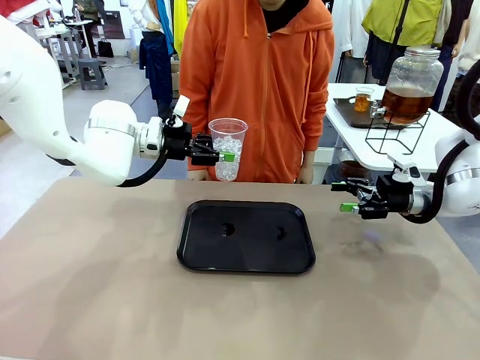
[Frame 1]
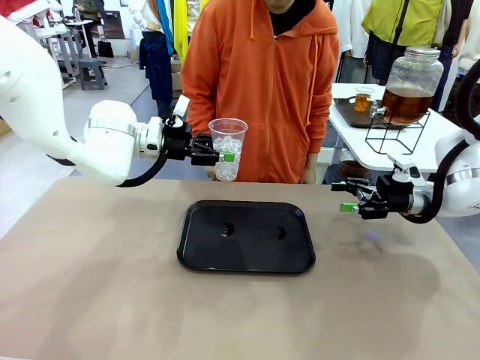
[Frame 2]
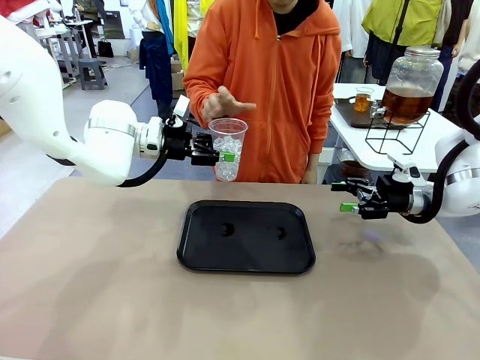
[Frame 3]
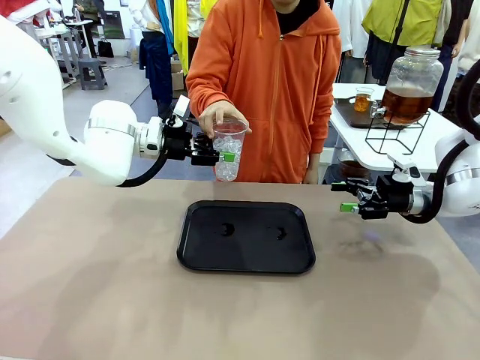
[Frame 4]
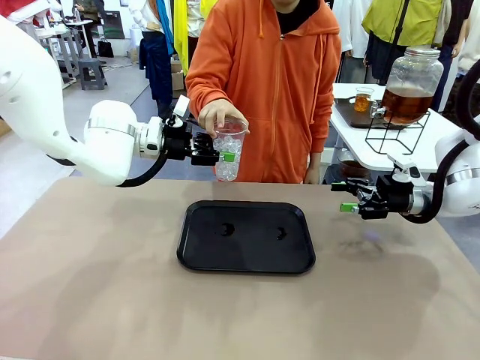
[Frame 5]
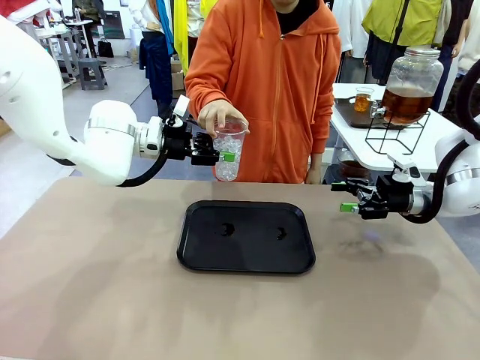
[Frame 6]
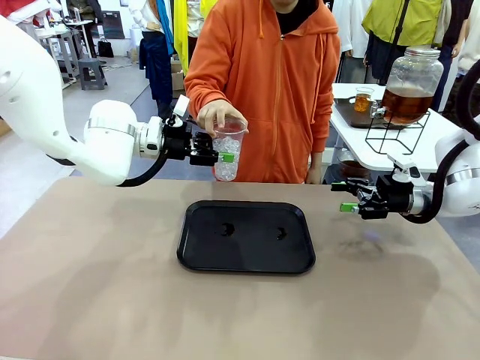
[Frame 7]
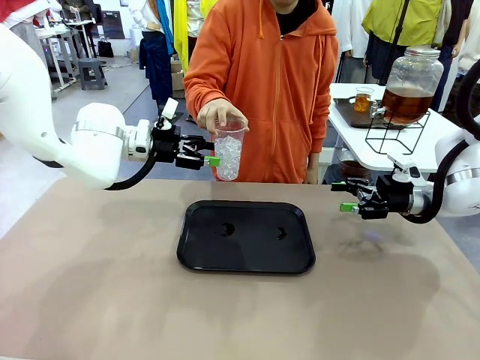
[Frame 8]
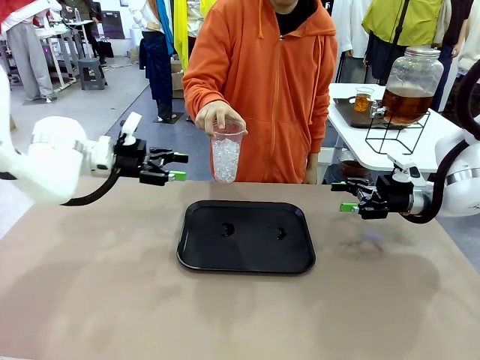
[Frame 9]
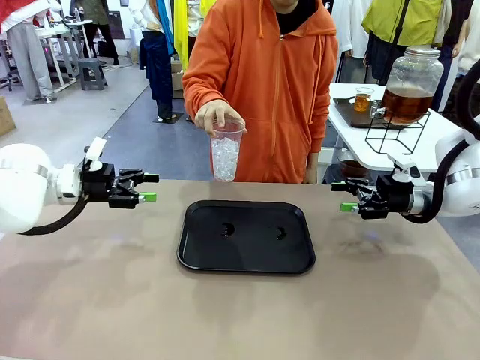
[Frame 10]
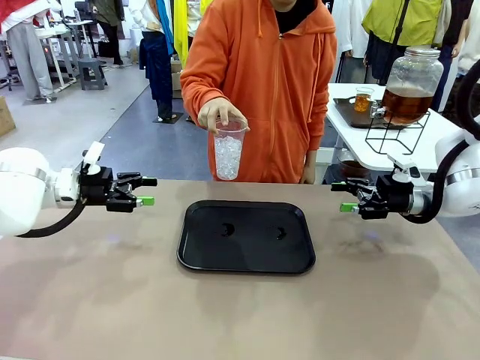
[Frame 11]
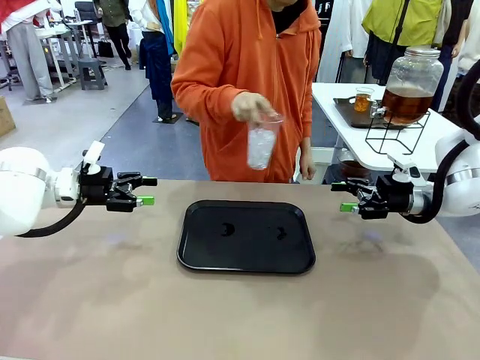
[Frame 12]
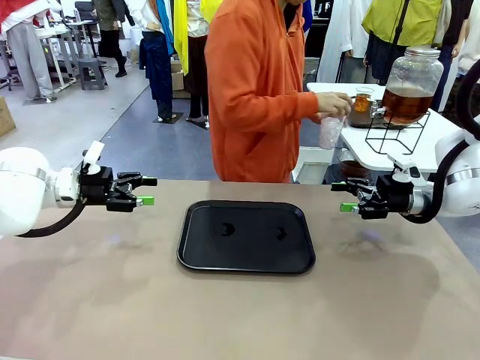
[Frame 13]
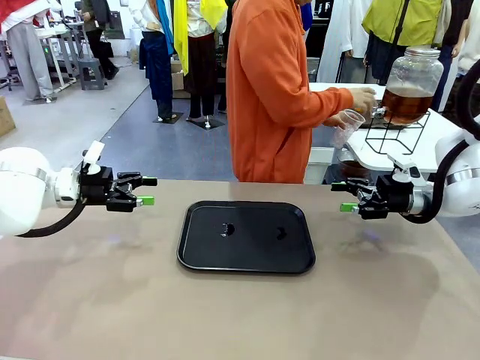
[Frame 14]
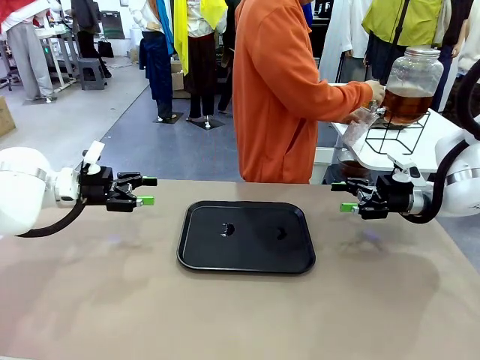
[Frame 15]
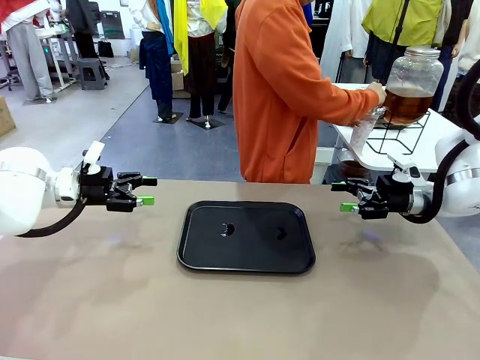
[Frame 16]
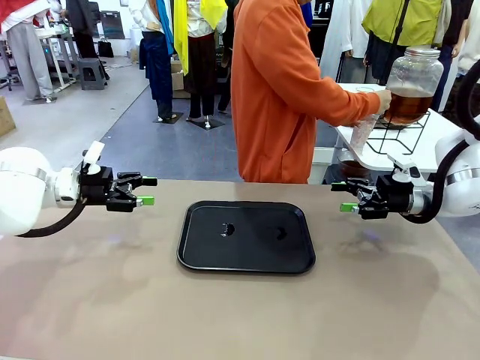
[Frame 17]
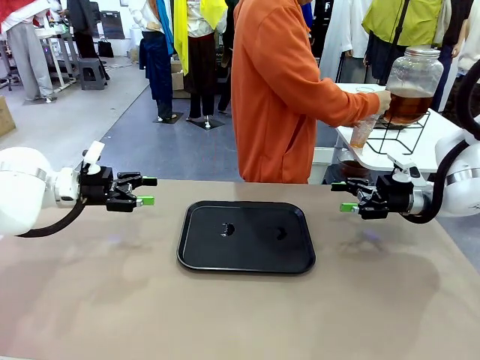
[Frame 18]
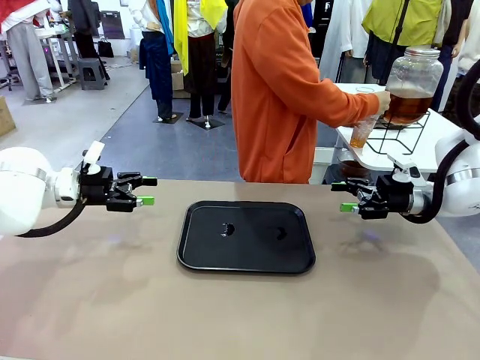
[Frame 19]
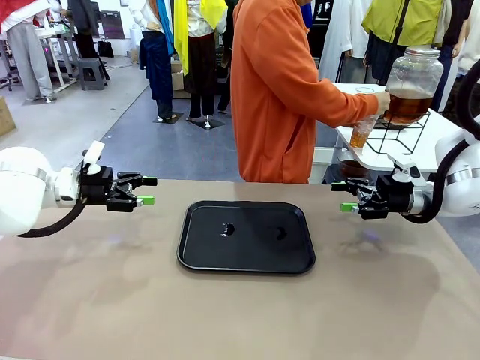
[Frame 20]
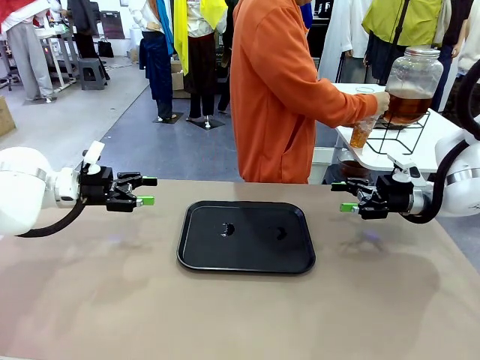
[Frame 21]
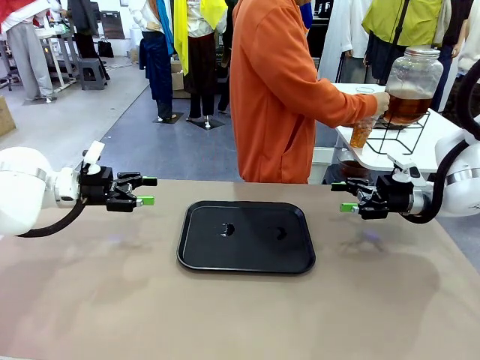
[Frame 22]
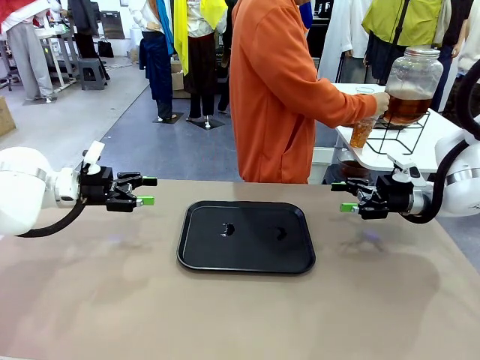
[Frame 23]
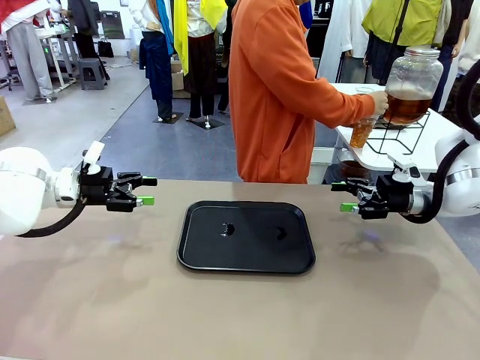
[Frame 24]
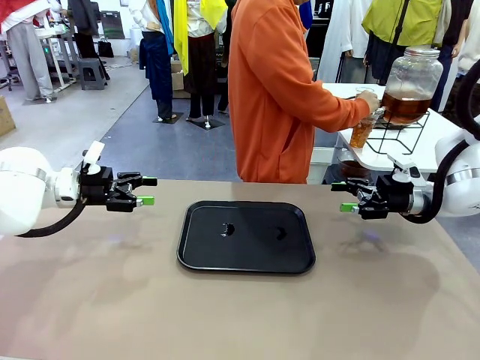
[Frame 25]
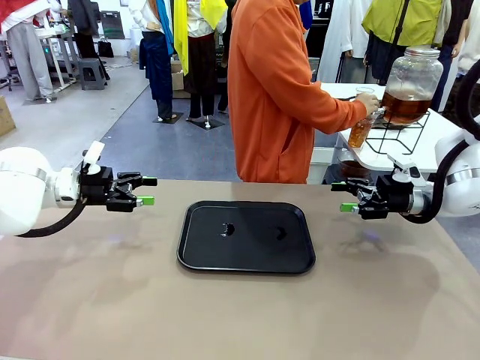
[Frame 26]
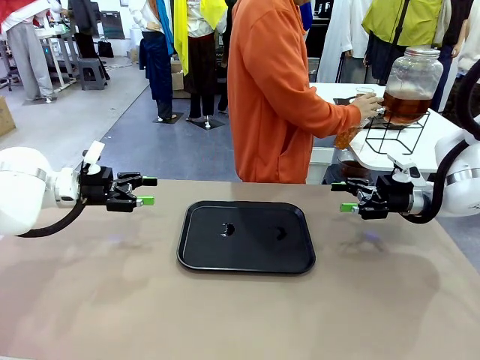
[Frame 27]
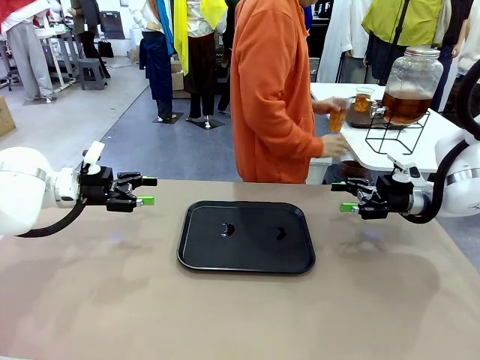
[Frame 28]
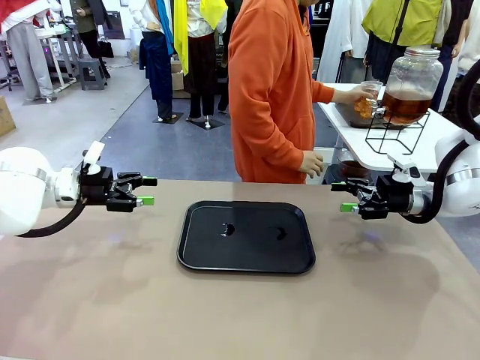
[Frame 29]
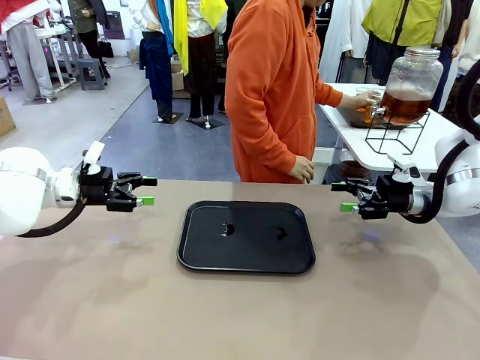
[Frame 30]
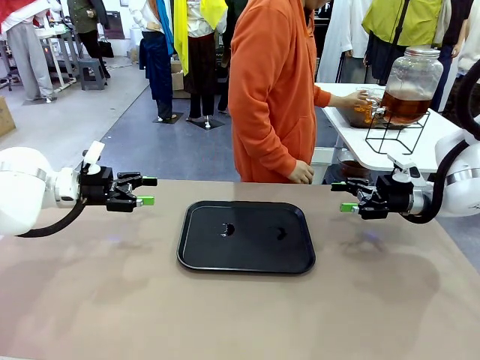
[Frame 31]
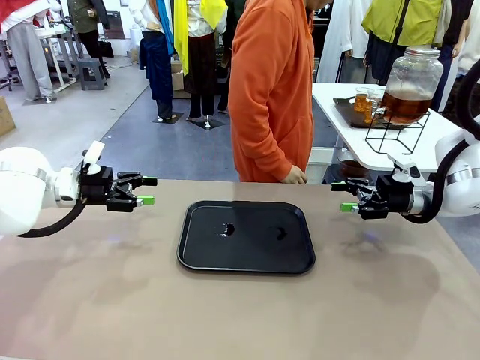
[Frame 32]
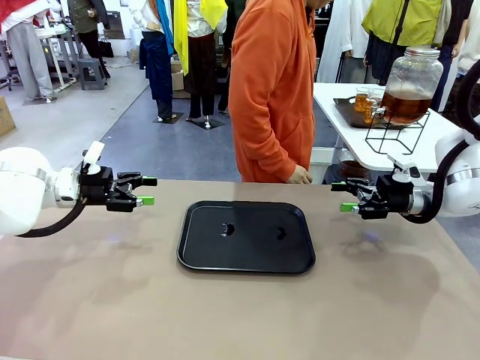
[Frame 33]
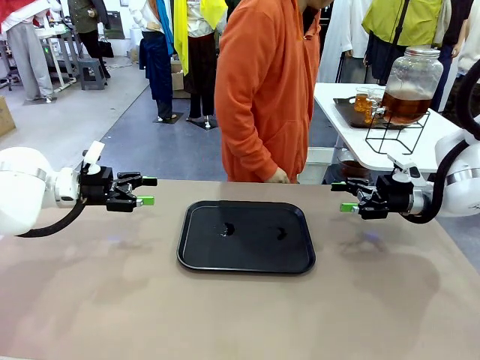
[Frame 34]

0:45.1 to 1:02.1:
Task: Pour the drink into the iced cup.
Robot: Open the gripper to release the iced cup you were holding.
Person: Move the picked-up cup under the dispenser faucet, pour the drink, and place it on the tray on the human table.

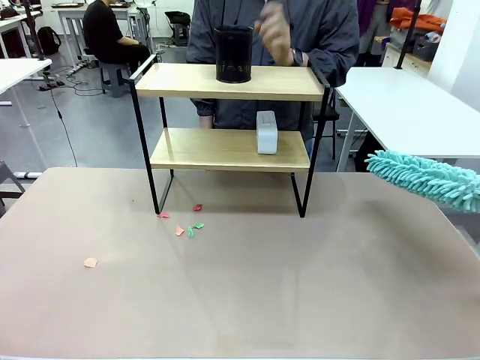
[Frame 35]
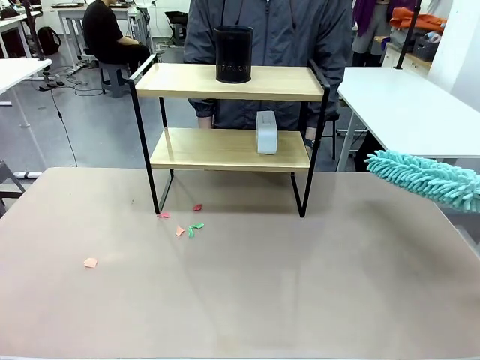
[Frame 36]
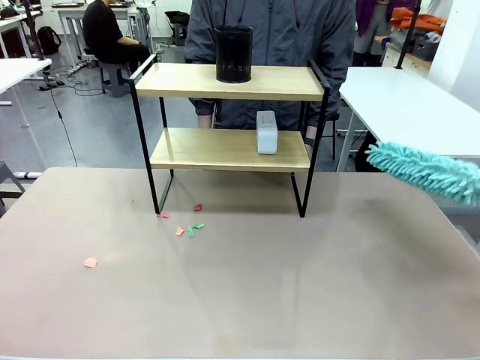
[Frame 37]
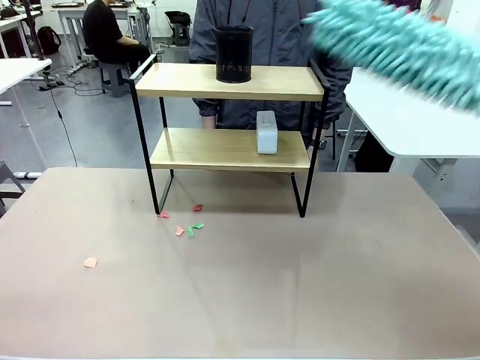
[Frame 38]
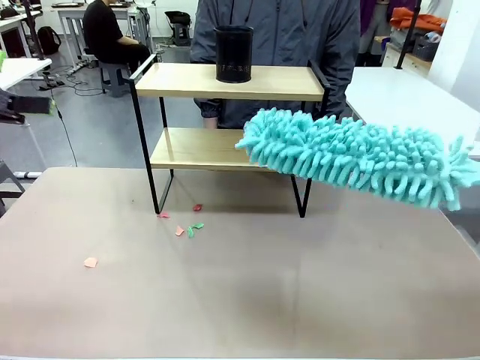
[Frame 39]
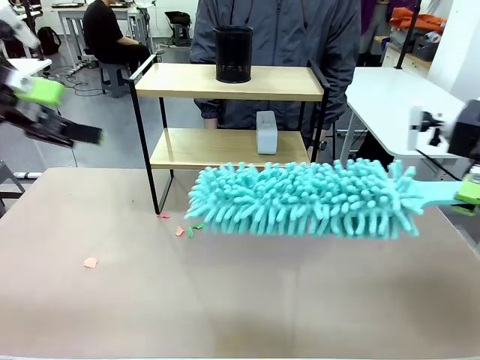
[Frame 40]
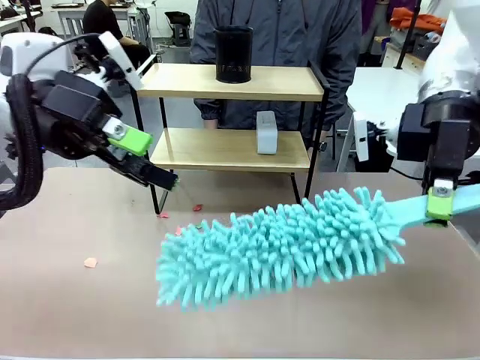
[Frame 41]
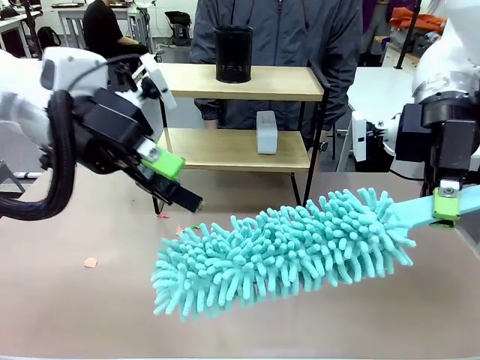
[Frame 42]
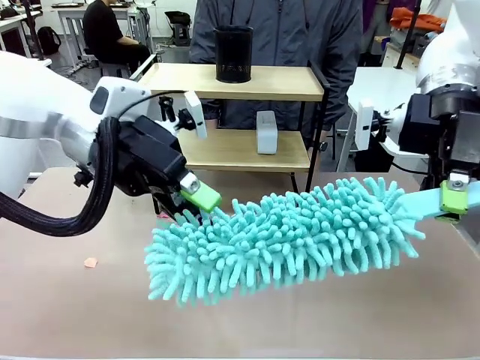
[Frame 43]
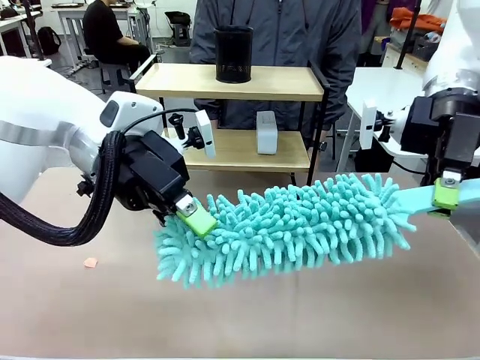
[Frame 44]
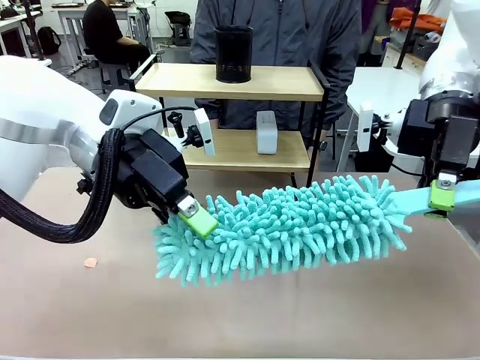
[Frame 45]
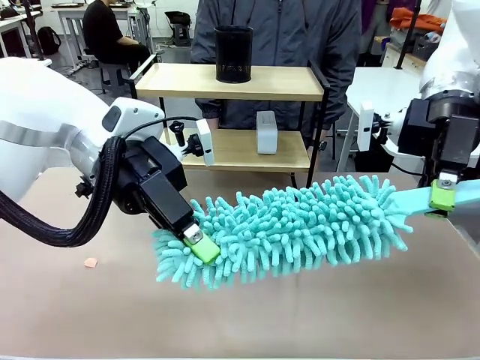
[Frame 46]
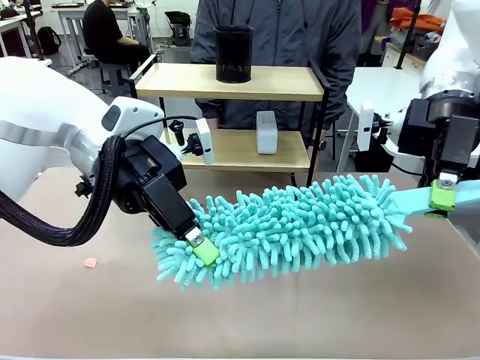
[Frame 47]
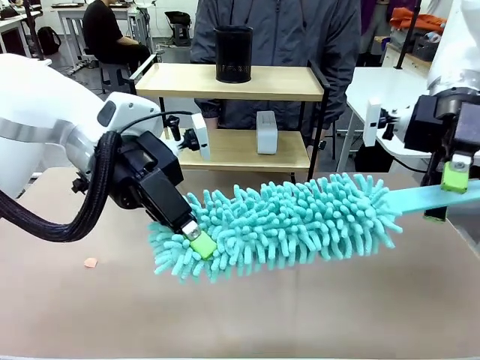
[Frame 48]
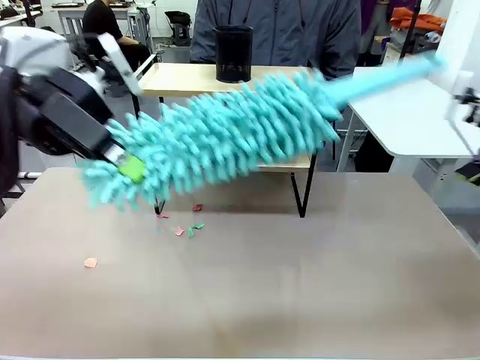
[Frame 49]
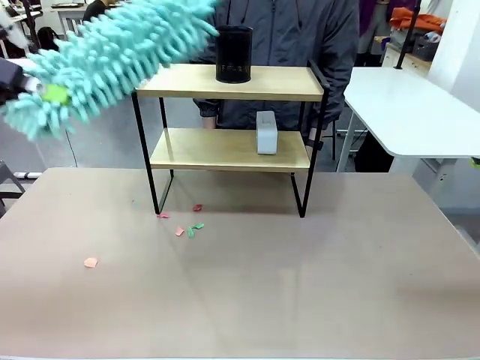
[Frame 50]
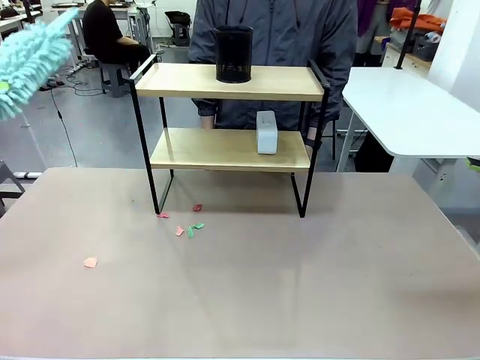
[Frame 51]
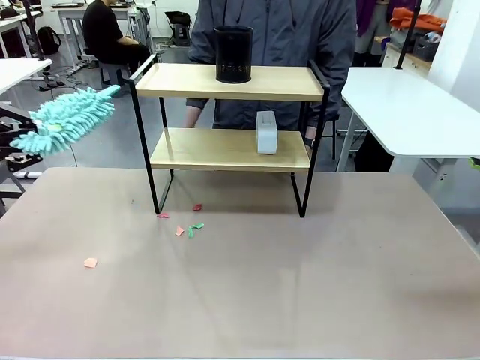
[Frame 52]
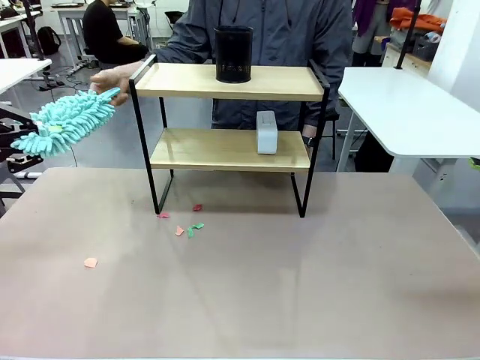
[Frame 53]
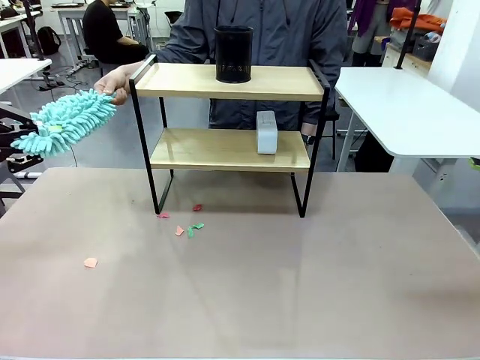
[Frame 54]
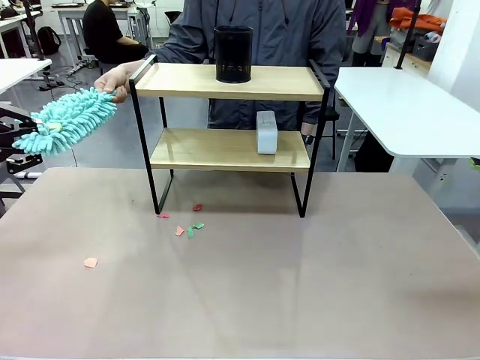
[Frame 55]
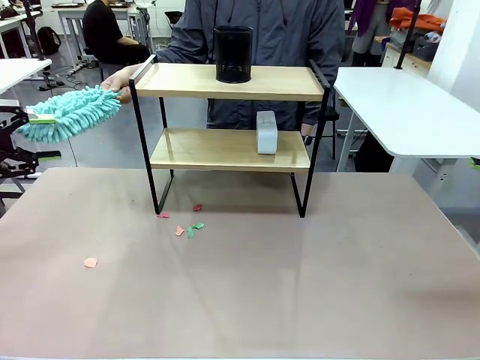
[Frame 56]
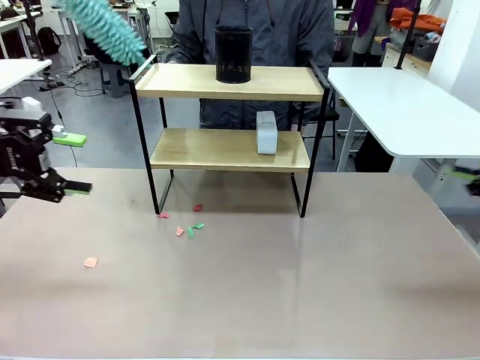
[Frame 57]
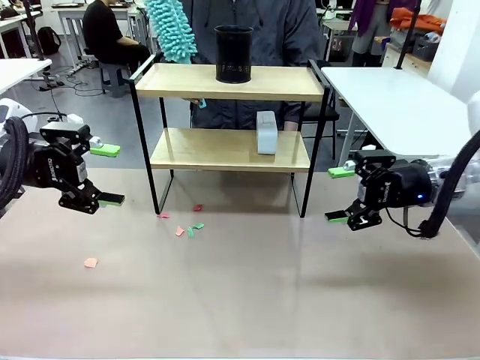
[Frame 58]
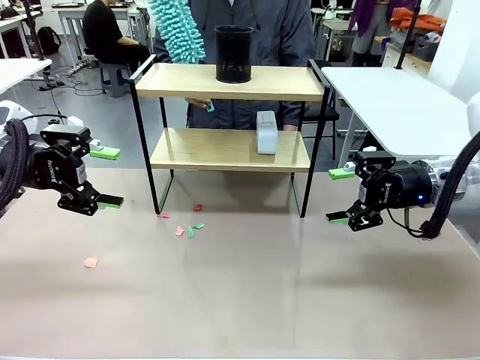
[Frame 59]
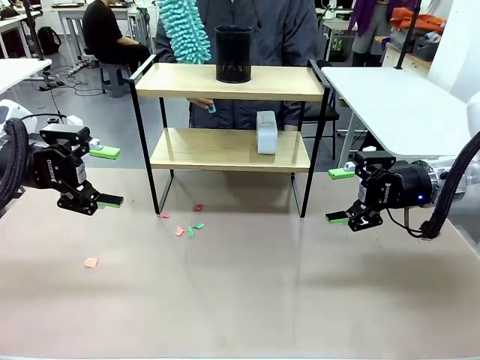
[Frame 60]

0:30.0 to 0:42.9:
Task: Clean the shelf.
Robot: Hand the Duster back to the human.
Person: Receive the Duster from the robot.
